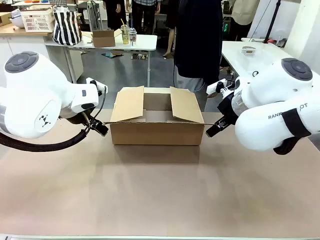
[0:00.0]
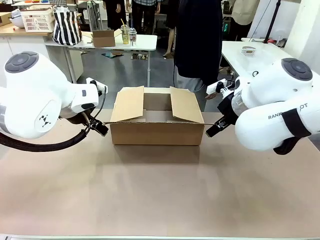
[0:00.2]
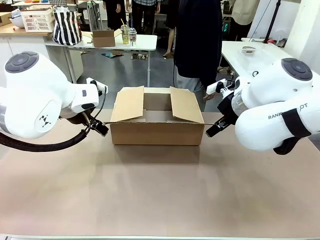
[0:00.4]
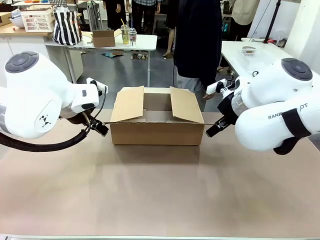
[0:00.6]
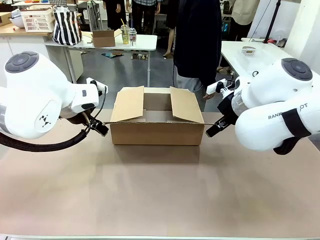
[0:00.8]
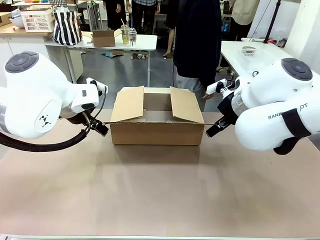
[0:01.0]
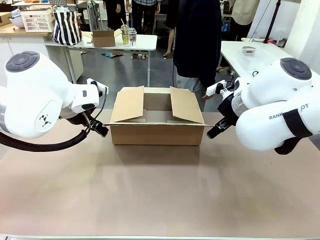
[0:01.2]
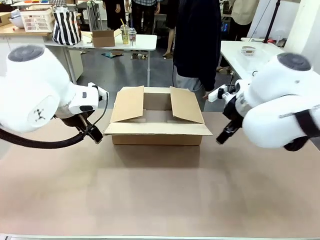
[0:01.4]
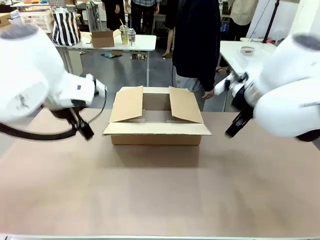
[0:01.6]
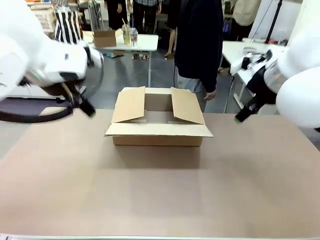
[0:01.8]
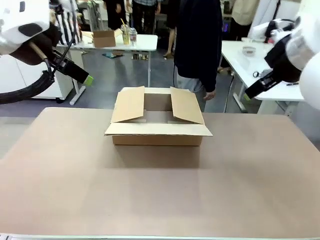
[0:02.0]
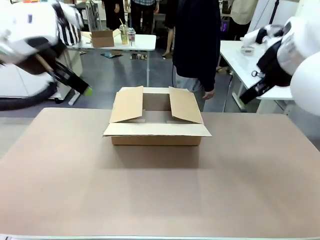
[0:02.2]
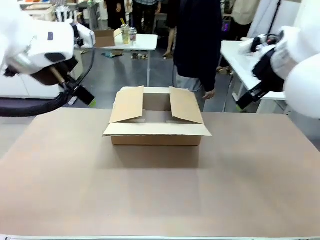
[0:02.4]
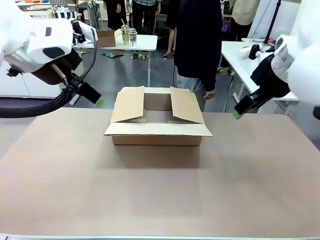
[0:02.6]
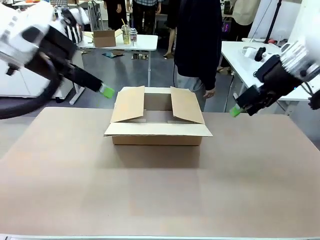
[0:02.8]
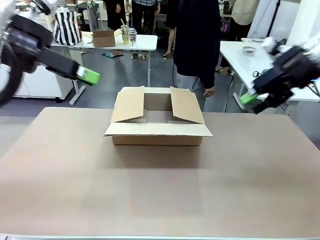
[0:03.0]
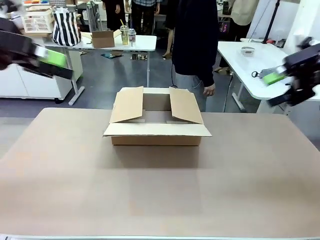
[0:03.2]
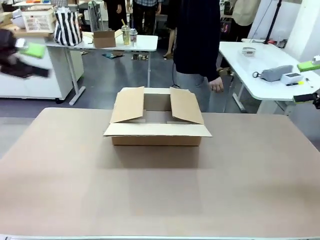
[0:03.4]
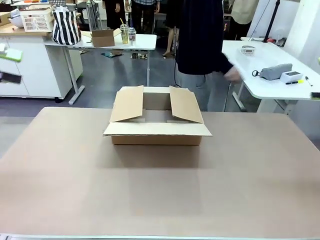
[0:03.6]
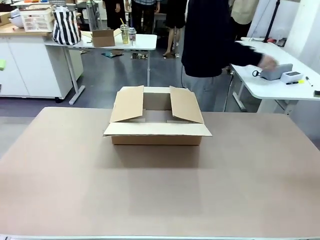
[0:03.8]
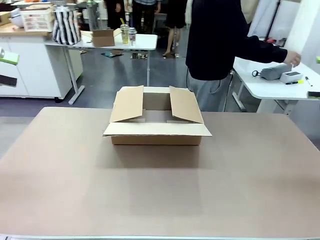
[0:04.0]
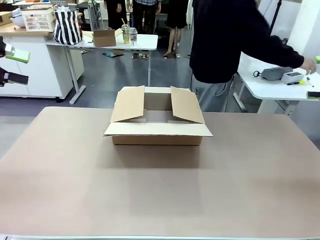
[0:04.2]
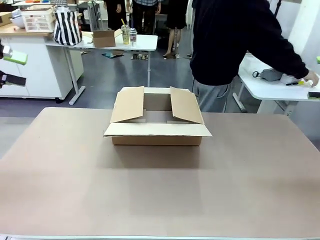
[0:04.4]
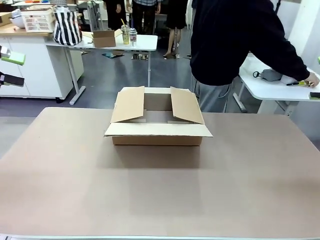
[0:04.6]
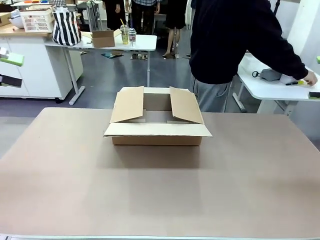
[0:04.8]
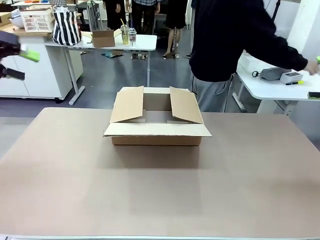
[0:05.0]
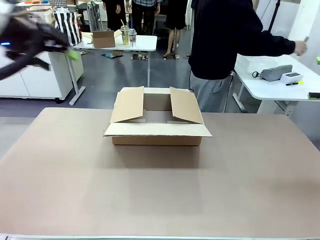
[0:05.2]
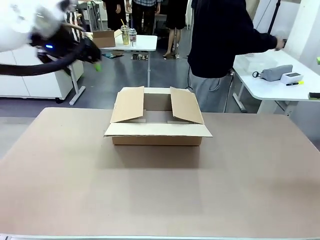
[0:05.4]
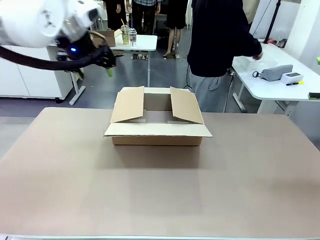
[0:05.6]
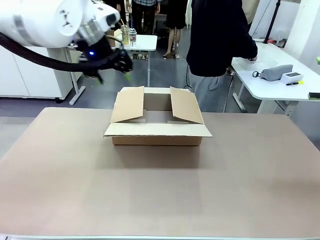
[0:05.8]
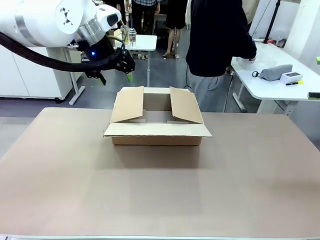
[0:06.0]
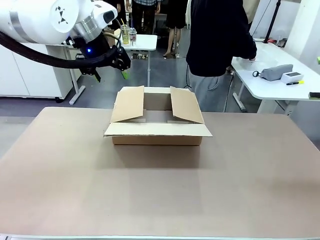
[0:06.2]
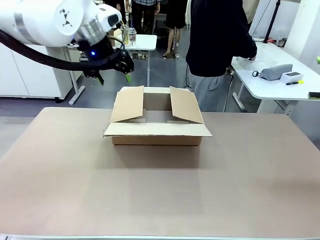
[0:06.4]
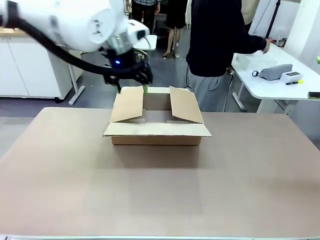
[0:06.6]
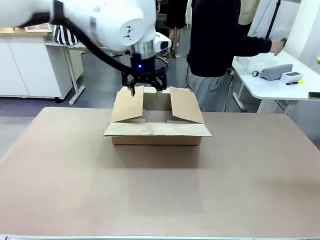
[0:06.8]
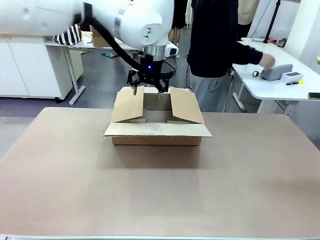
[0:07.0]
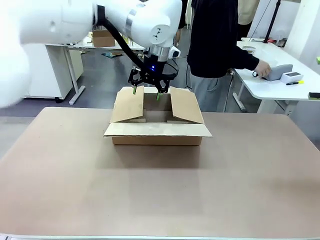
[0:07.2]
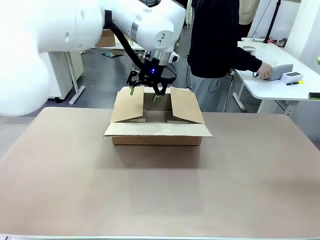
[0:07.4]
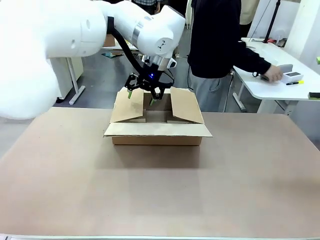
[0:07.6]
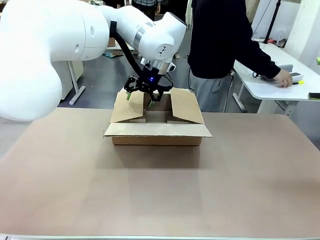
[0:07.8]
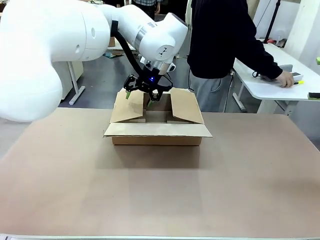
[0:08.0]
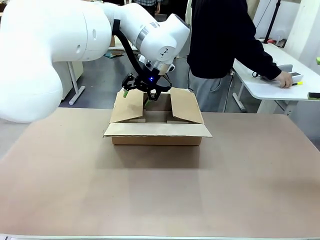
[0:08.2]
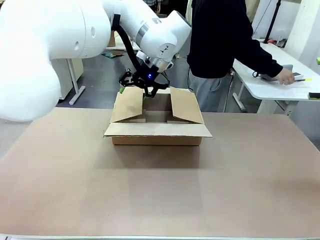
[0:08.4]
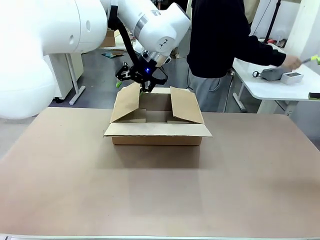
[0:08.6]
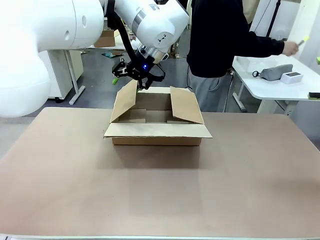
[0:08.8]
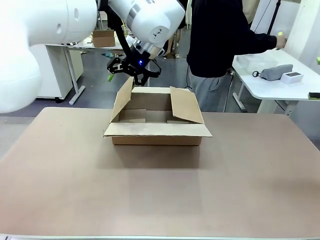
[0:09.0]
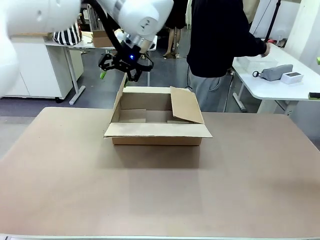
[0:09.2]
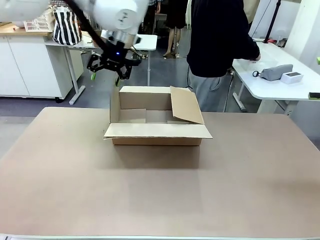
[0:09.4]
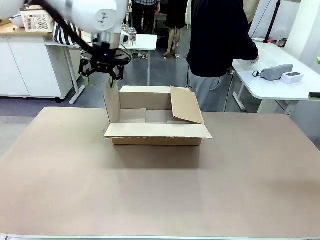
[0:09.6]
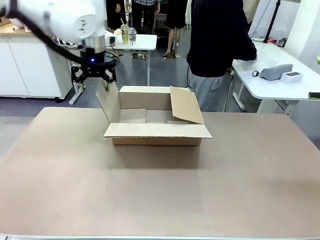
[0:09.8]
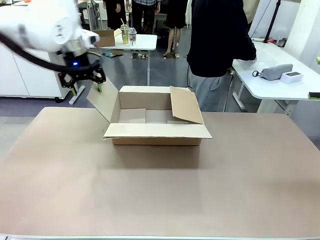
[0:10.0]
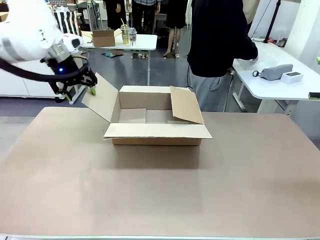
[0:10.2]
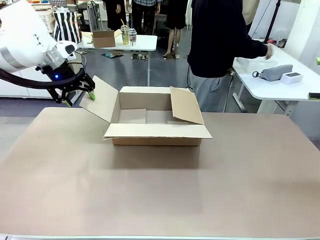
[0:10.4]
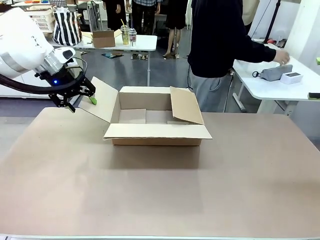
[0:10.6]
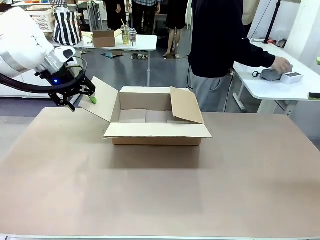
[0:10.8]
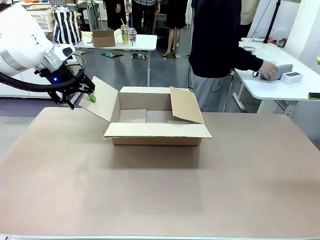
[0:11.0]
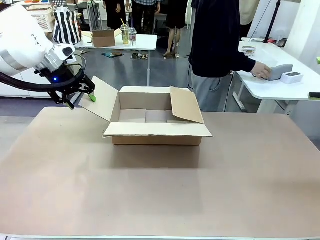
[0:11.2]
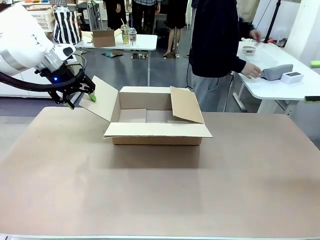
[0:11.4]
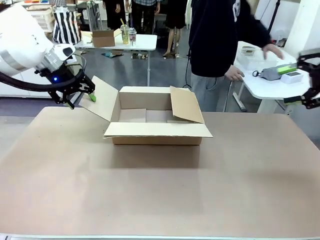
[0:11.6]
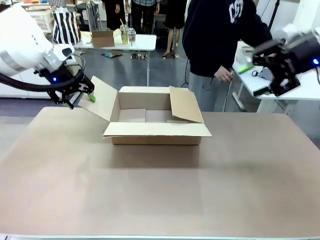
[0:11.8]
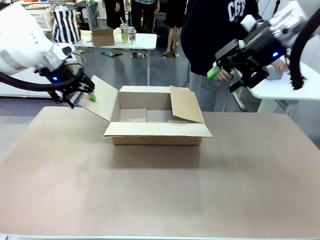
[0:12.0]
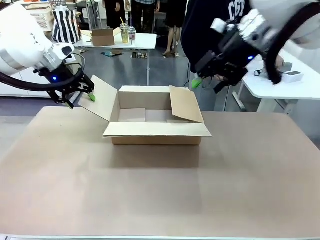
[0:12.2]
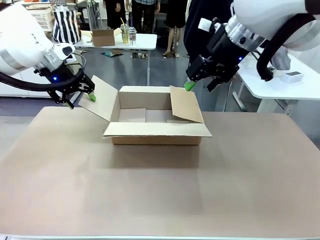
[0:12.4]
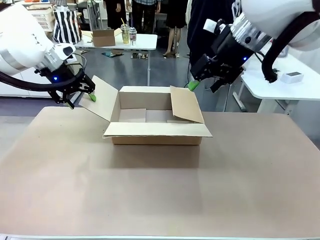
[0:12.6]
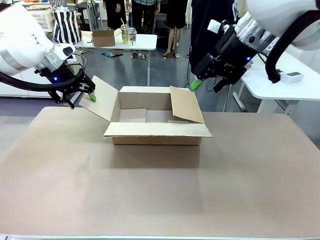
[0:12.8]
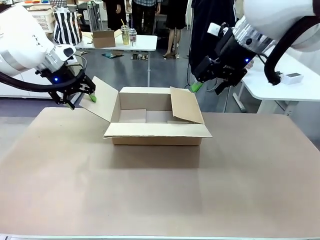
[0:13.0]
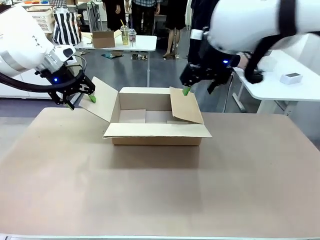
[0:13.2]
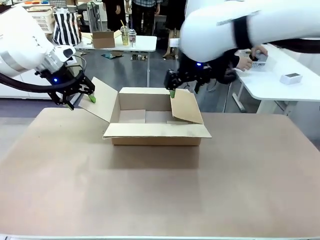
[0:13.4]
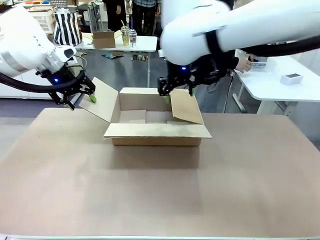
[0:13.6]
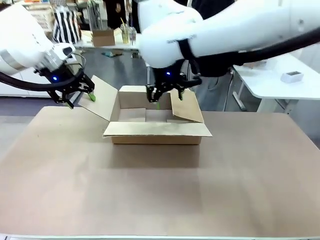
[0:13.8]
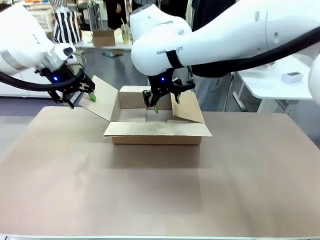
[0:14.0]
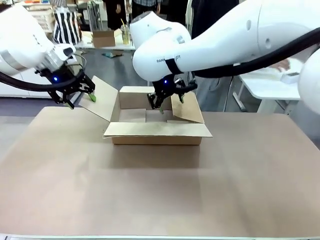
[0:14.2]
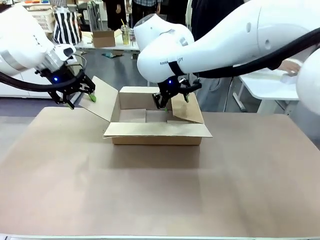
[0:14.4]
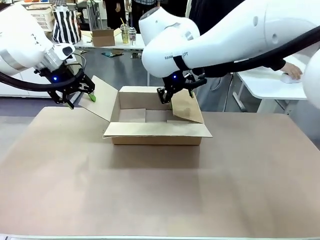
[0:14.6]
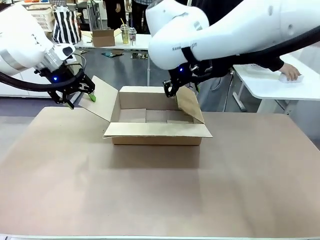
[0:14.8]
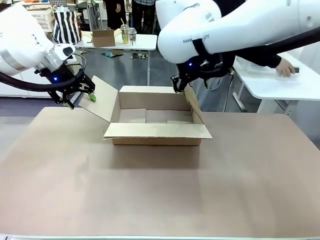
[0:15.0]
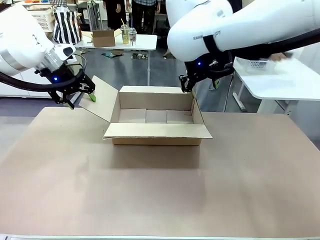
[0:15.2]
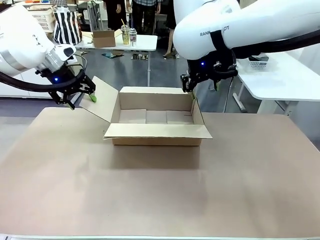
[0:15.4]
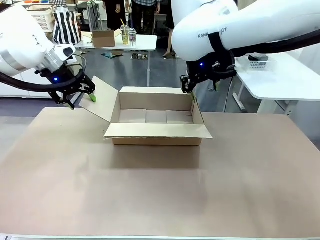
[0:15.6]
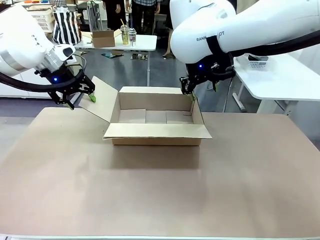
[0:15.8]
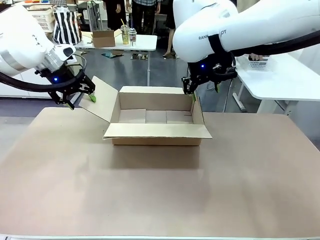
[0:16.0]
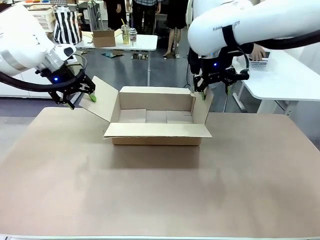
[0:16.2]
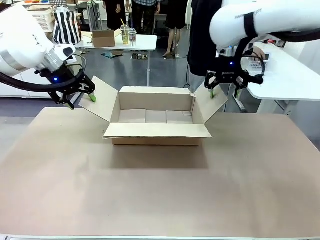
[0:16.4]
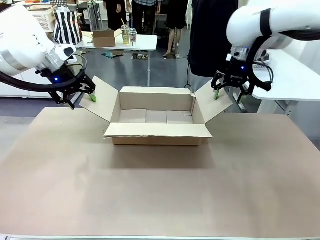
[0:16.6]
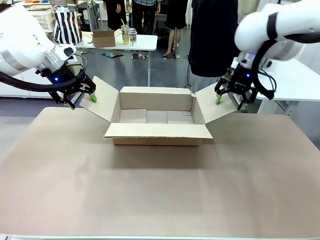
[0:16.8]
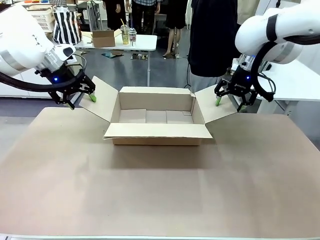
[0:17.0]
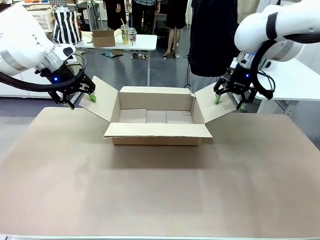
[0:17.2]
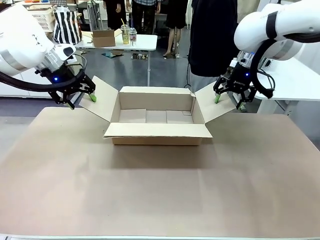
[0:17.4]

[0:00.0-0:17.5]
Task: Pack the gift set into the box.
Robot: Place both hands on the side flaps of the Package Box and spread them outward.
Person: The human places all items except the paper tape into the organizing basket.
